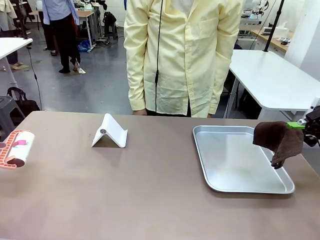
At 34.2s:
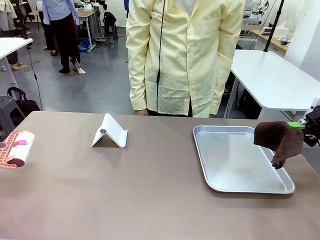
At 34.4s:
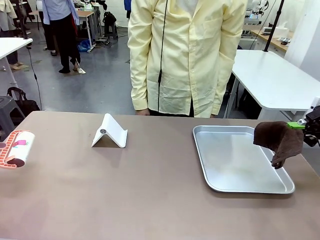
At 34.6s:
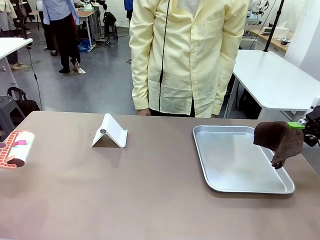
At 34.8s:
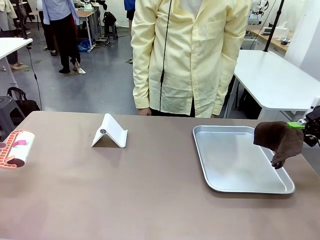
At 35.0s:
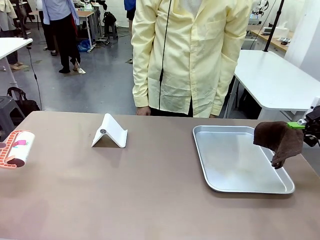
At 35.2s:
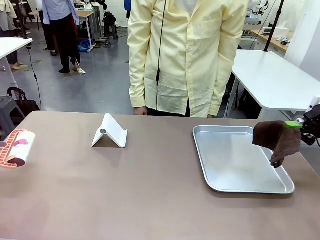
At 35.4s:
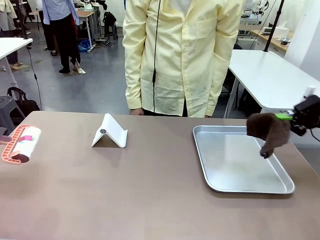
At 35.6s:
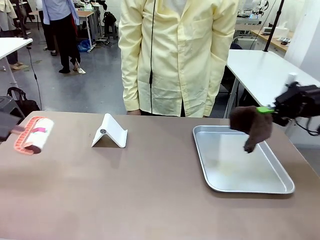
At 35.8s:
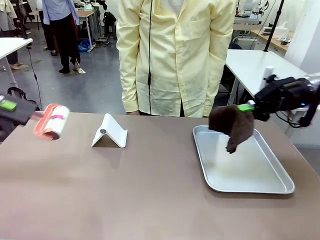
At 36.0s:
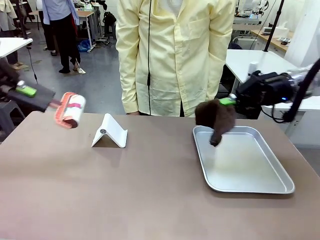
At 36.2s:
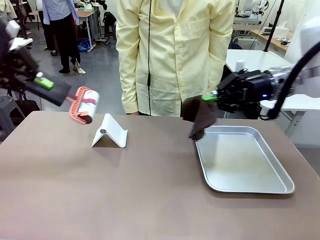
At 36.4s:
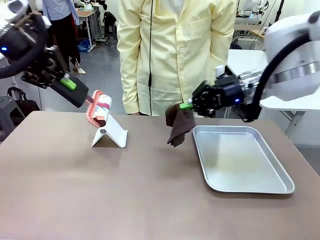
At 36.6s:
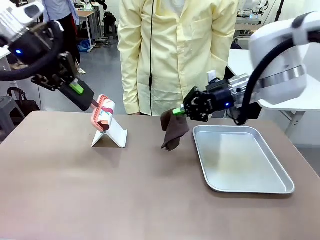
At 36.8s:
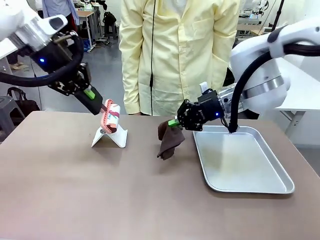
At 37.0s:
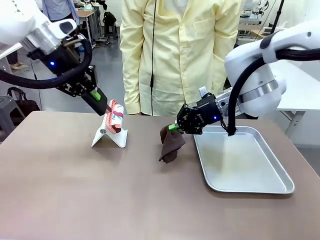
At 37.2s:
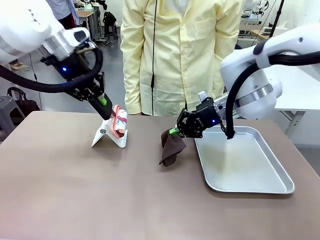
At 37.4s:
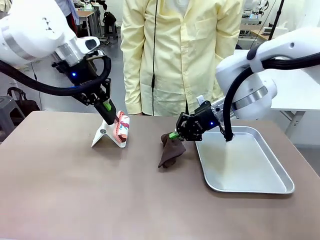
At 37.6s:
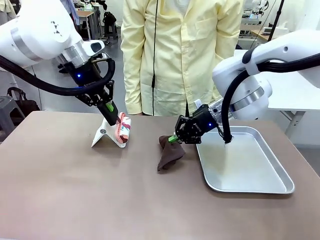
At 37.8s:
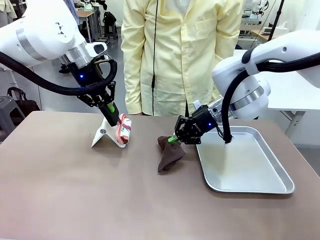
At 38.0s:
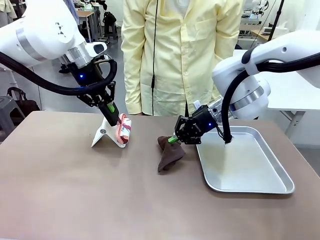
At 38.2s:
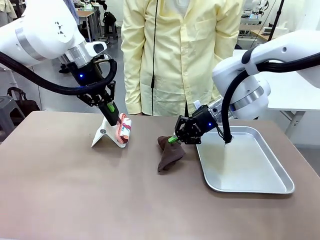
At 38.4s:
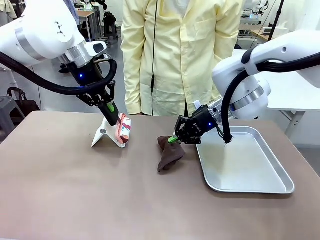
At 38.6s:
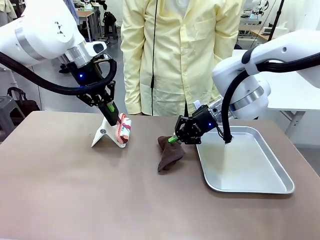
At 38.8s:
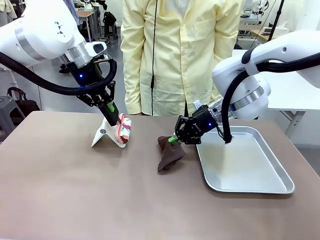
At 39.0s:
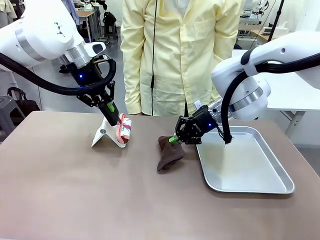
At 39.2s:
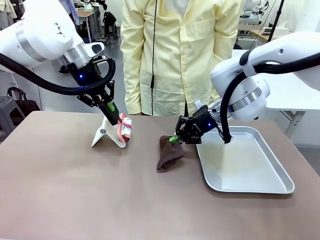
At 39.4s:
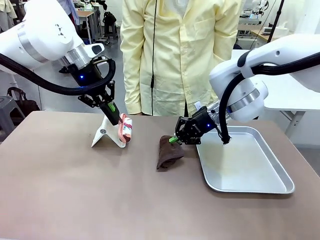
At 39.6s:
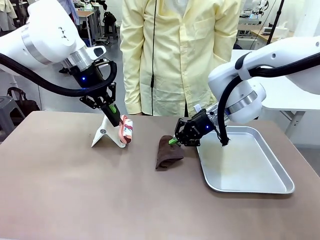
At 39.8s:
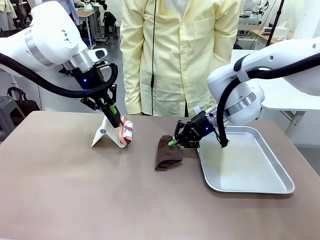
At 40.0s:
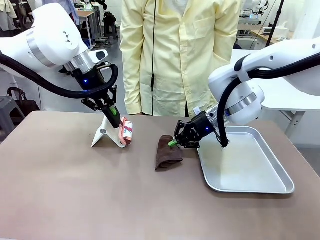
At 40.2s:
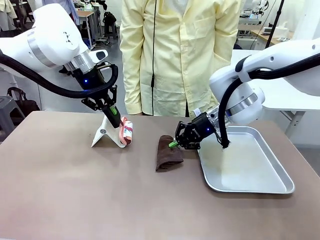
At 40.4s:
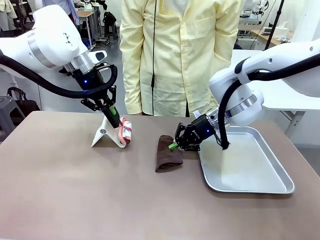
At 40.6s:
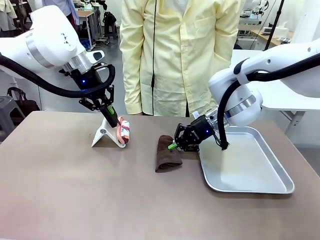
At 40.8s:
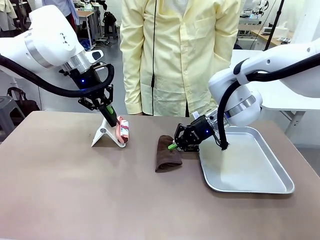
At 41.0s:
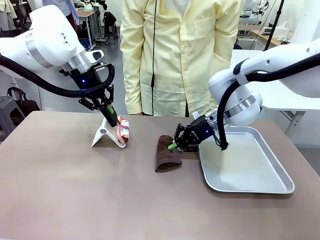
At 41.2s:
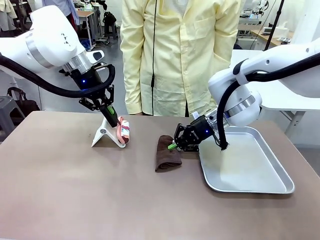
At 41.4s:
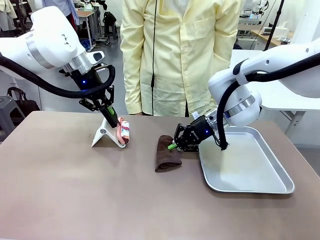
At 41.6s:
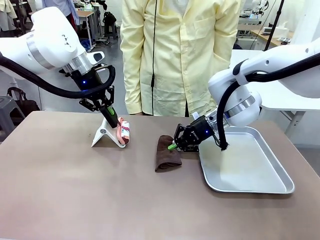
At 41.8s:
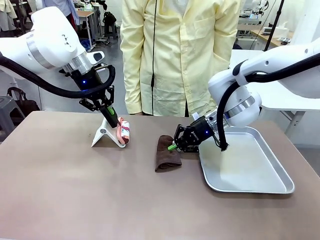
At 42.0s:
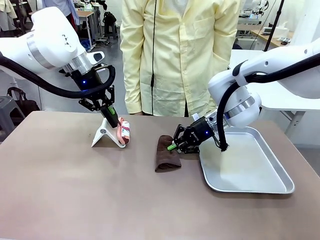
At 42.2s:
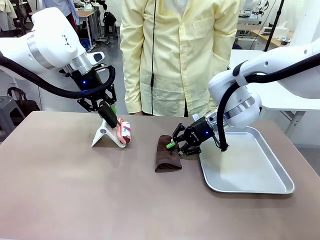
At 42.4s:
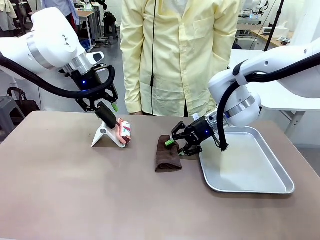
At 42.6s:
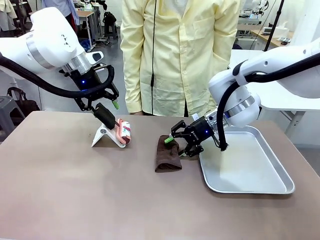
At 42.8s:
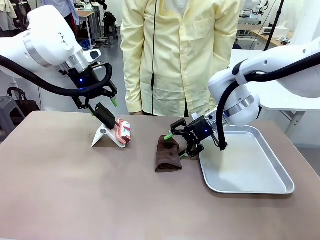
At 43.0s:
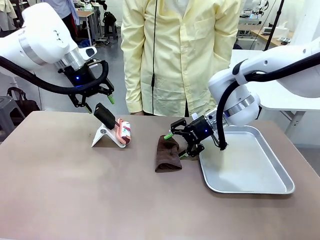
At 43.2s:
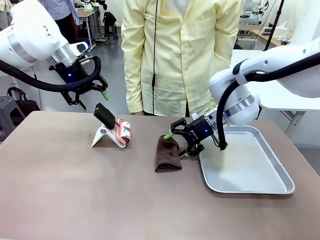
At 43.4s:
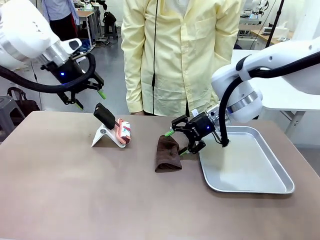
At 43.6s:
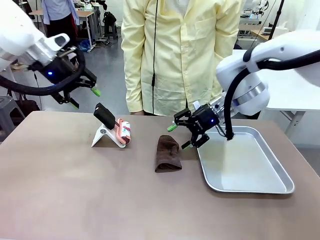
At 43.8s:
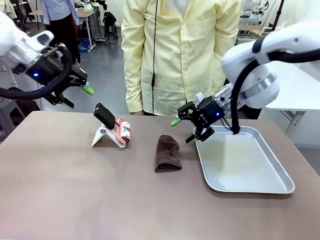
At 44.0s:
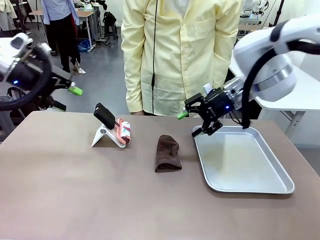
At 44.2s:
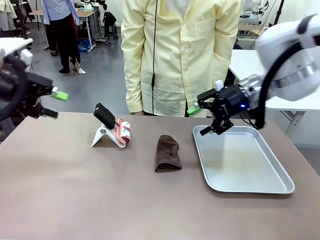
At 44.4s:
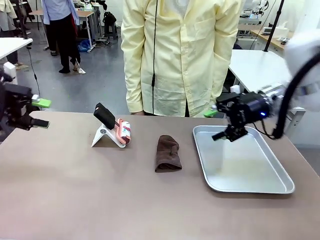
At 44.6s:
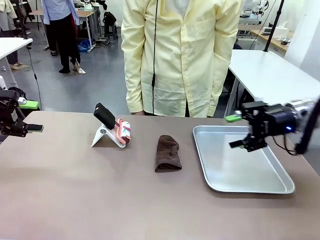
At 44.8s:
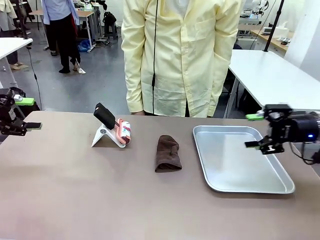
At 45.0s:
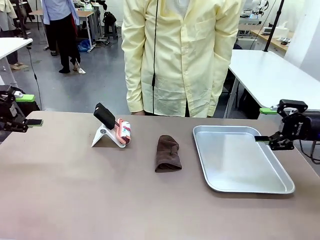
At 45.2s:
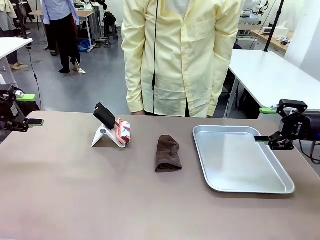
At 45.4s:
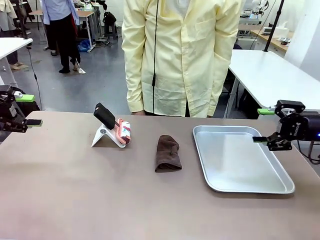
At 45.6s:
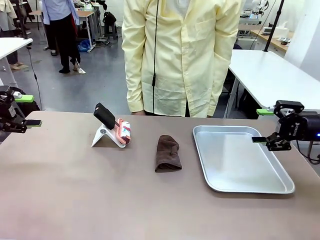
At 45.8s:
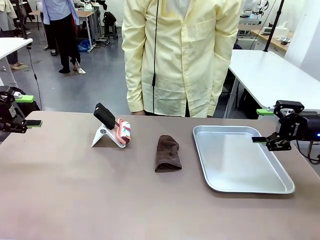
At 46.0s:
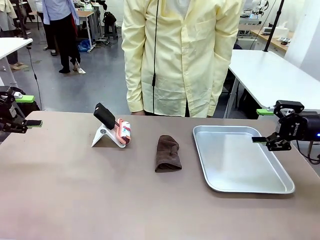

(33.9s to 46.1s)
Task: Clean the surface of the table.
Robot: Return the Lint Roller and towel to their original positions.

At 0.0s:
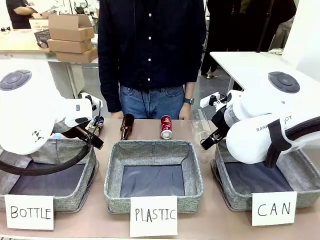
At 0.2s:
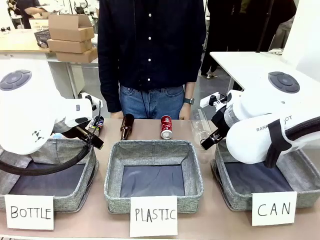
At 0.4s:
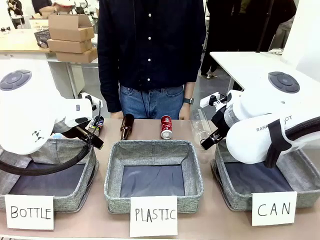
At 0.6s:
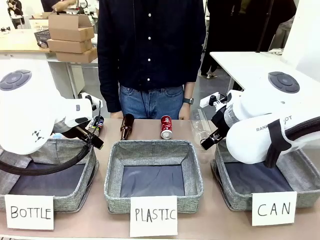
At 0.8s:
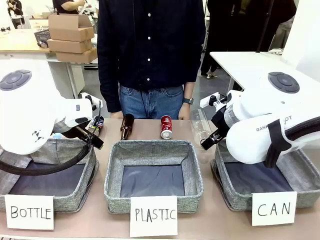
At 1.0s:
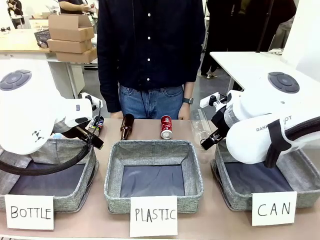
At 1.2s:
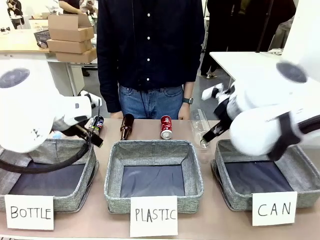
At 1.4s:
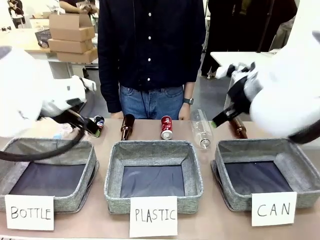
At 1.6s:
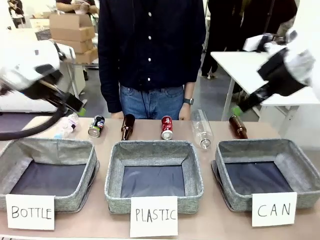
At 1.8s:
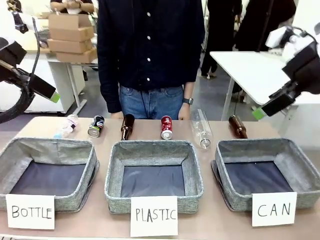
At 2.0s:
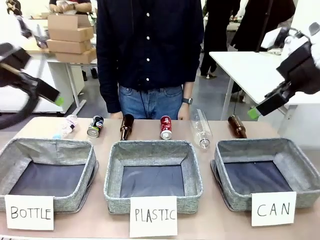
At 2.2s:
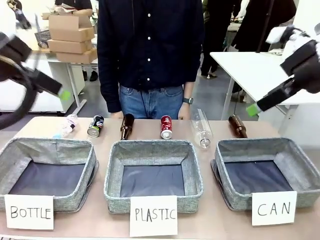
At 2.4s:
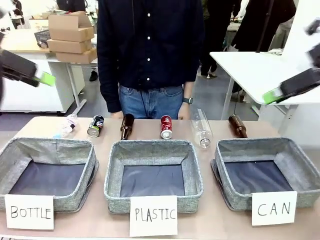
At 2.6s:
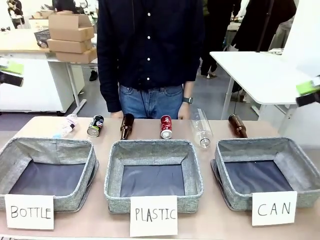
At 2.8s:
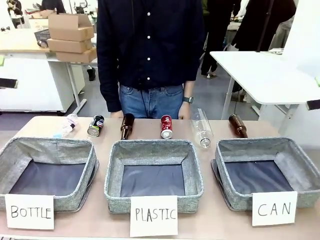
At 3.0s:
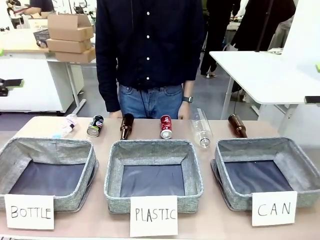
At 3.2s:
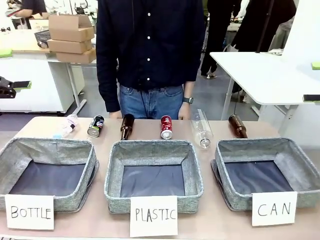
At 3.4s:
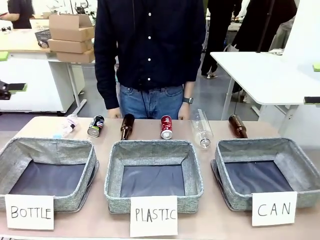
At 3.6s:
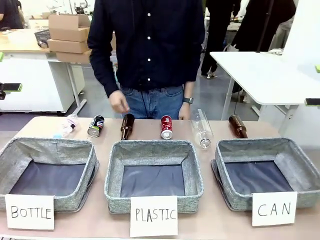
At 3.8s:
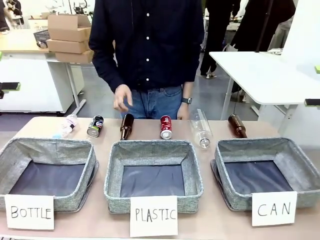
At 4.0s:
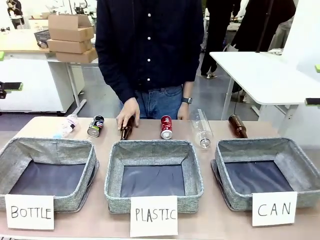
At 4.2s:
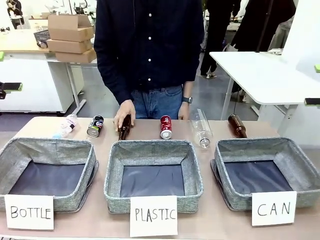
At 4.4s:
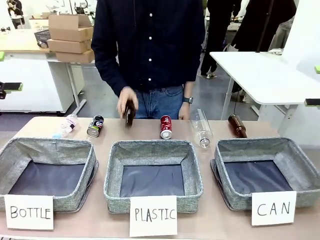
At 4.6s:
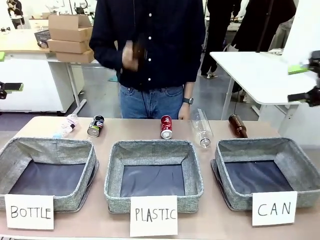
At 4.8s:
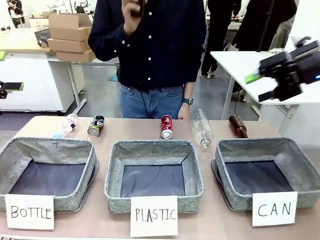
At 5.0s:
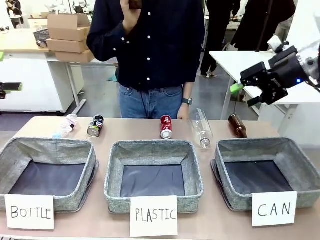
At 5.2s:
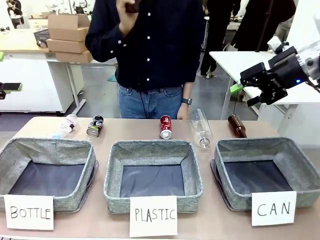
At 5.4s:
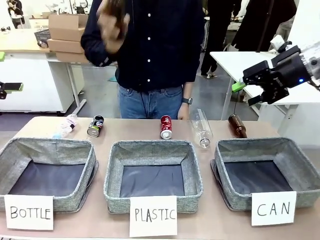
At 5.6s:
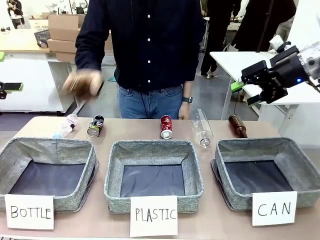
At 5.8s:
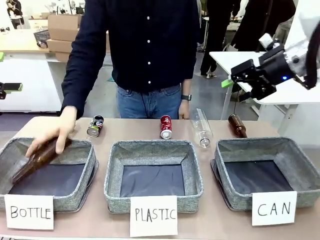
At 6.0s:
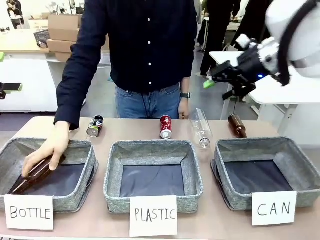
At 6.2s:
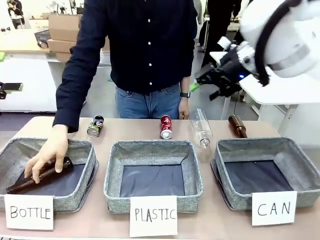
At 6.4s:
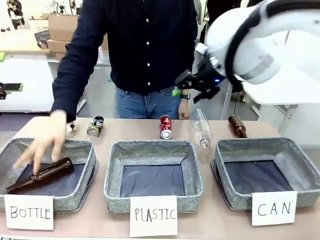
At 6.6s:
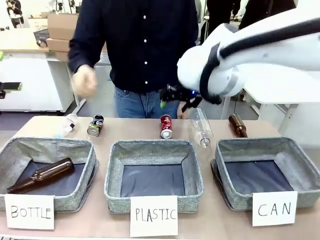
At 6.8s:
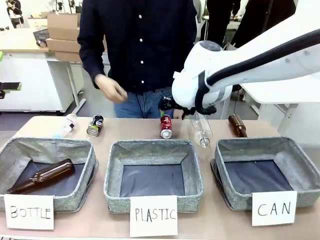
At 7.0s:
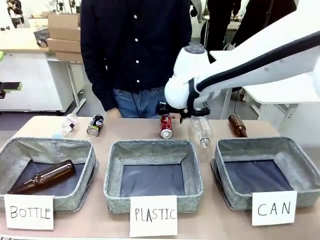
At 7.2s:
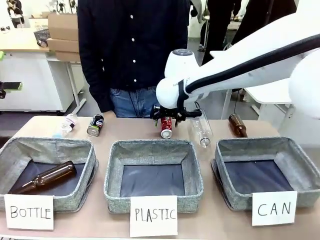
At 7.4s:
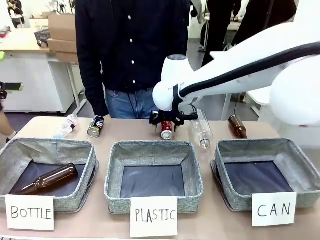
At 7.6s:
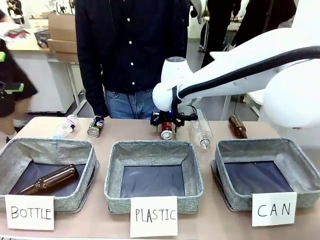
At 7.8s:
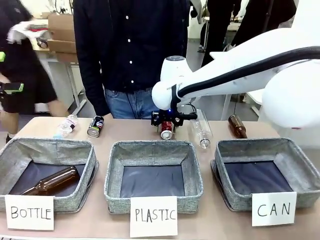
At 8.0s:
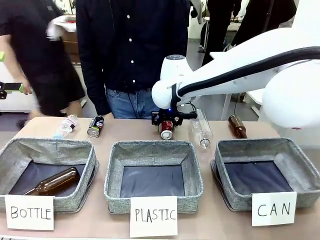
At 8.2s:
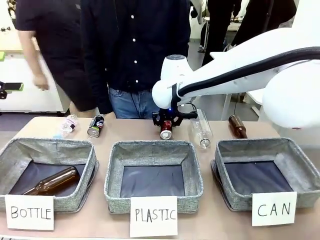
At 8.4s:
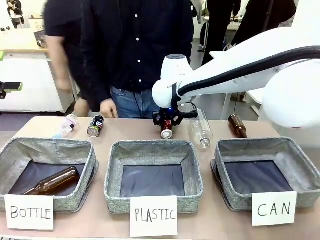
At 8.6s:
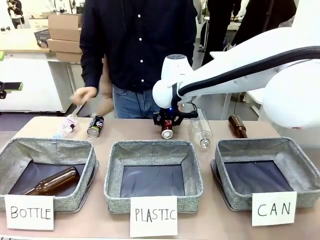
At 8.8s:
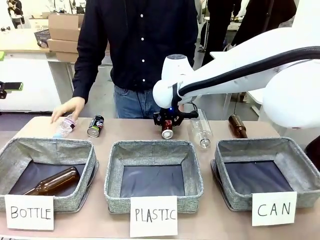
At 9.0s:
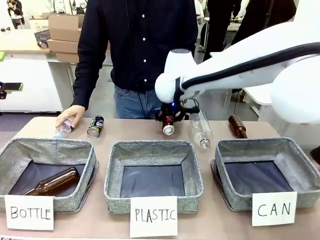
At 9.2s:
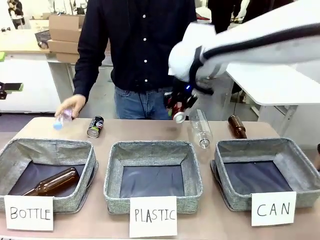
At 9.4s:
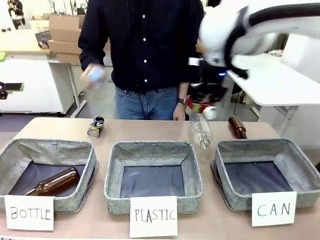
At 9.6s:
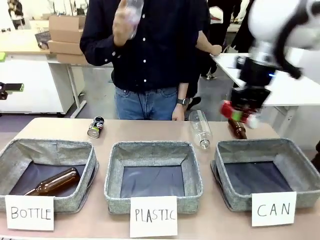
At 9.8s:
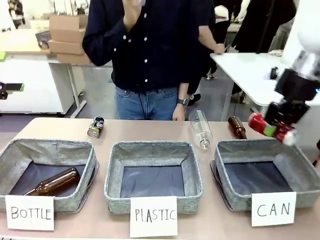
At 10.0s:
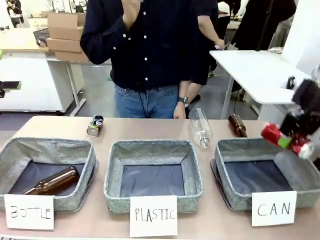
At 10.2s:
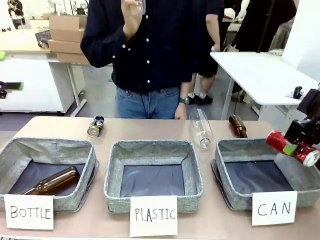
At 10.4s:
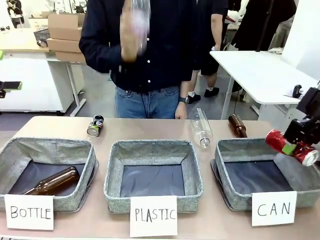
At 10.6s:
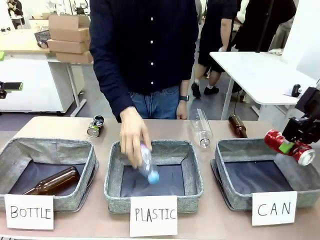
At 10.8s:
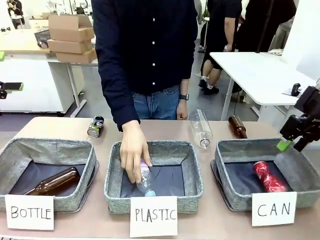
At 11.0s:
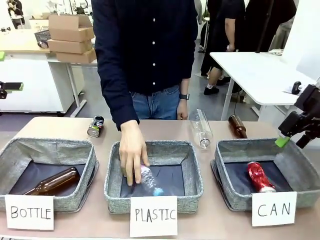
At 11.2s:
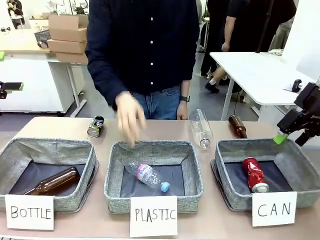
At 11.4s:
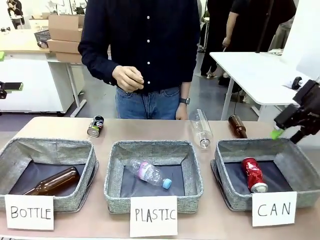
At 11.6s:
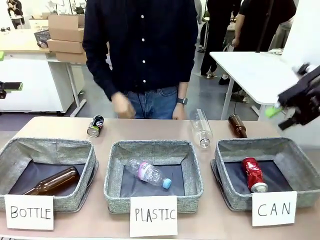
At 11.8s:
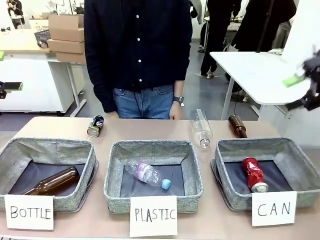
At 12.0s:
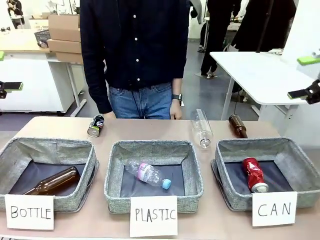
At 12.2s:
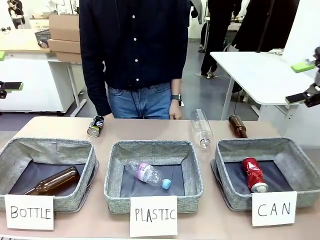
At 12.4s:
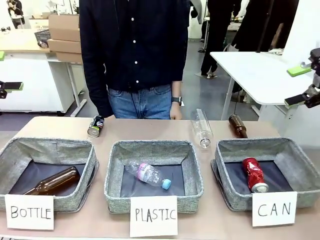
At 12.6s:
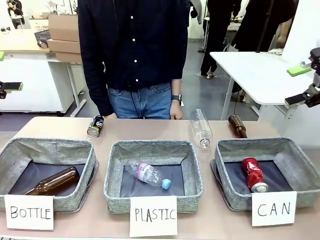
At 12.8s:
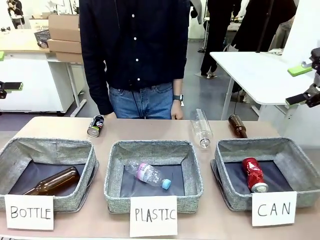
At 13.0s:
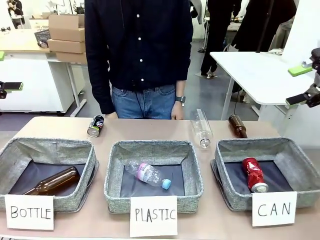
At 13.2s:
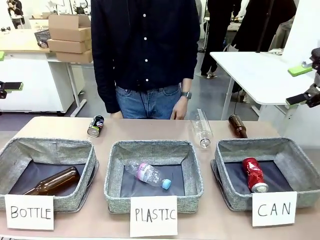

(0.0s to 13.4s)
Task: Sort the can waste into the basket.
Robot: Pick up the can waste from the table and place it in the right Fabric basket.
